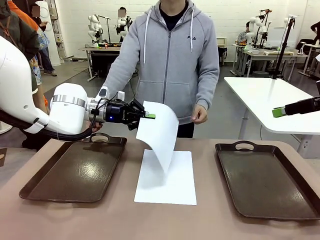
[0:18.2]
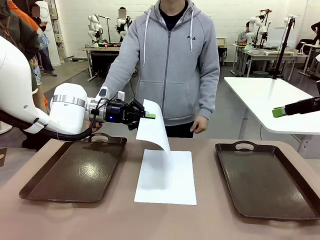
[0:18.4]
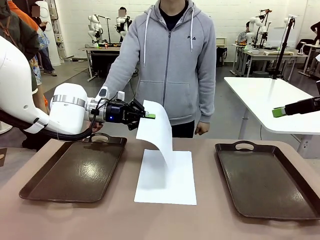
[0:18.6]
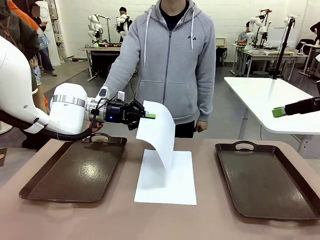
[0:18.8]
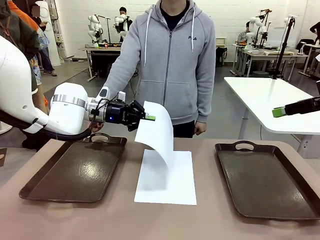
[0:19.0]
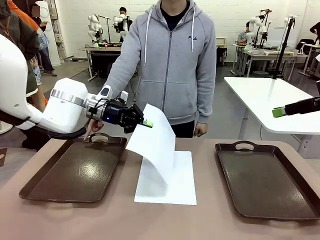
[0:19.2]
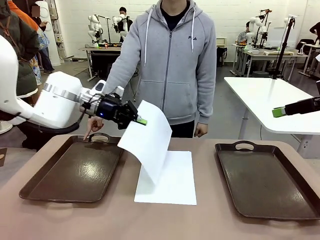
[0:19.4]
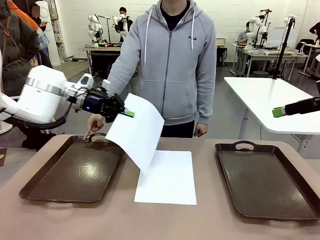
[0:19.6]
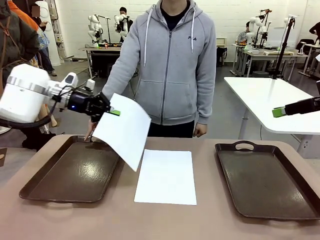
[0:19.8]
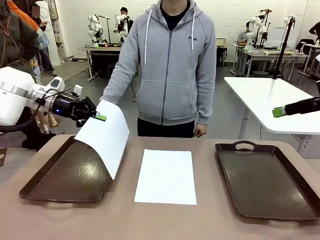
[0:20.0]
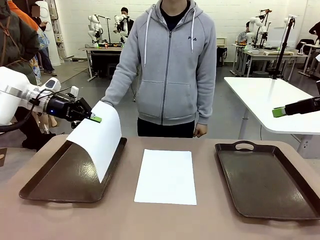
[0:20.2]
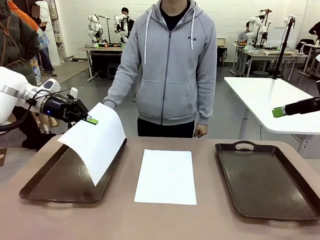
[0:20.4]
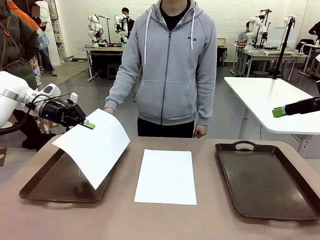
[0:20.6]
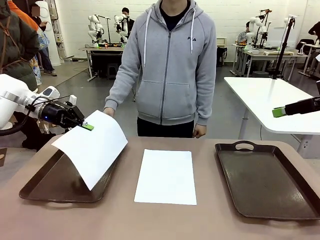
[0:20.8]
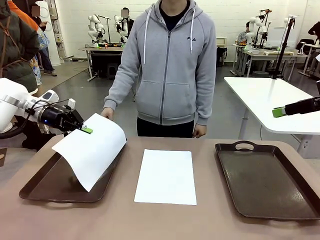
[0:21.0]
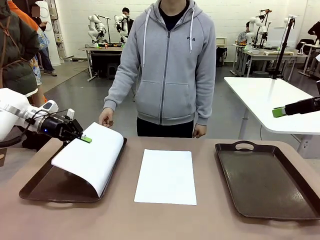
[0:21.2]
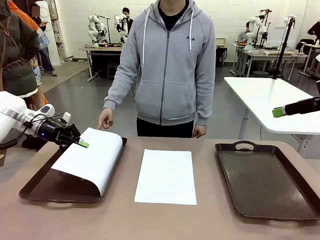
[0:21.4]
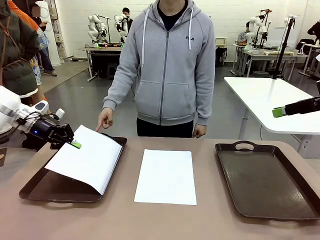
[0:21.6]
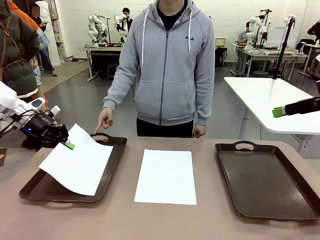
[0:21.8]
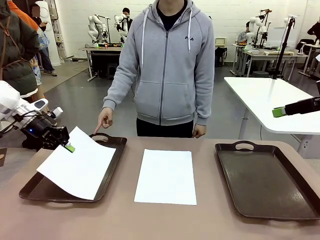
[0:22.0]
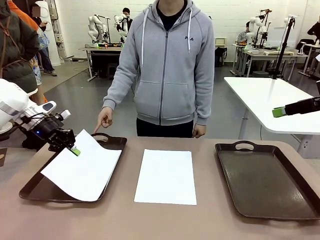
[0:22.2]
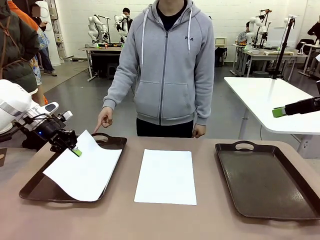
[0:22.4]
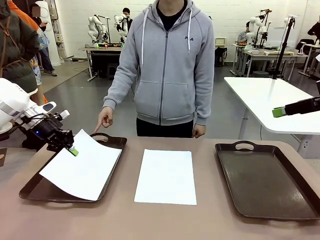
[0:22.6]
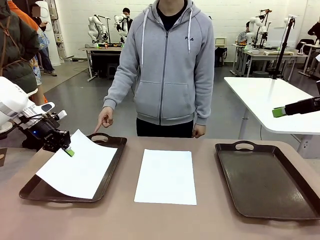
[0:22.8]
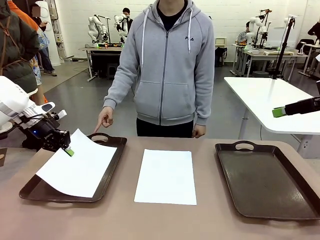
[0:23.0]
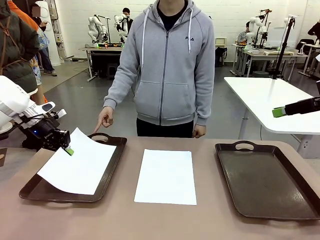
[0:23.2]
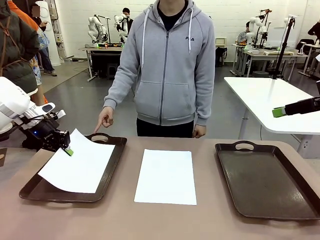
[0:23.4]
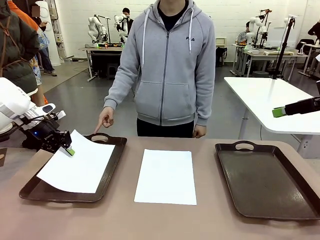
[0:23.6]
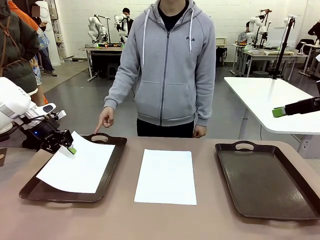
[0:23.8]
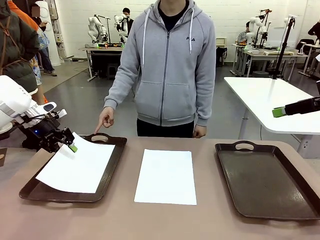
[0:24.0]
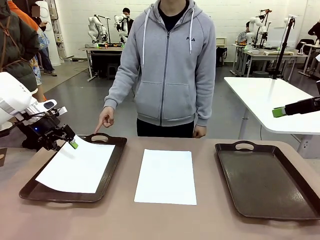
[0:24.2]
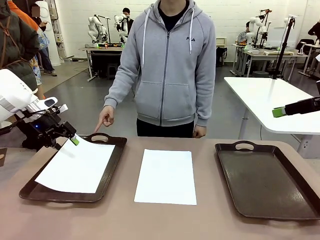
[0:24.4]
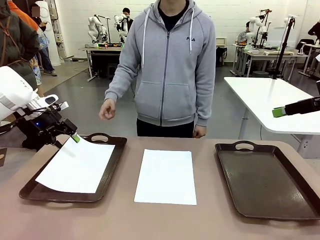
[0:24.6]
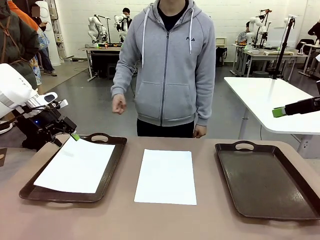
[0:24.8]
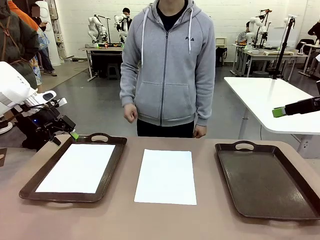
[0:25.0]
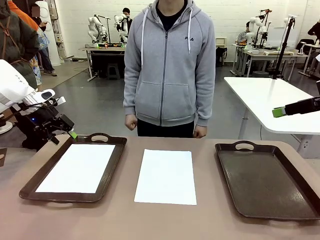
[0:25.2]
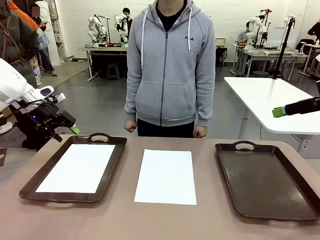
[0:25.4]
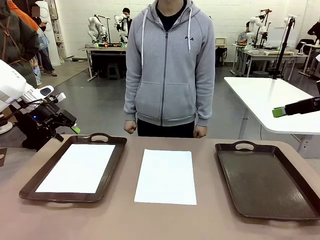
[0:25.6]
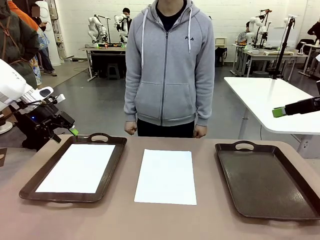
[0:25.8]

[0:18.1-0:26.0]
Task: Sort the A4 documents.
Robot: Place the A4 Paper in the designated Handle tray.

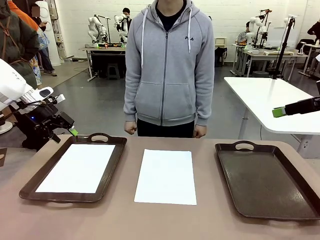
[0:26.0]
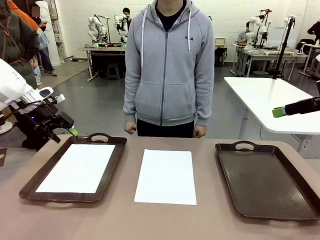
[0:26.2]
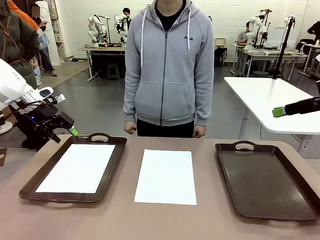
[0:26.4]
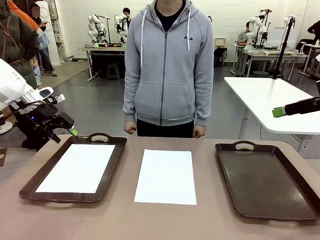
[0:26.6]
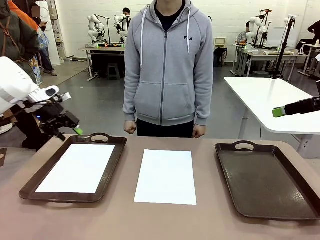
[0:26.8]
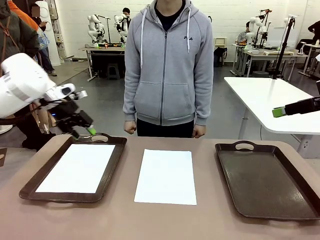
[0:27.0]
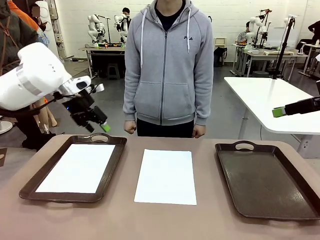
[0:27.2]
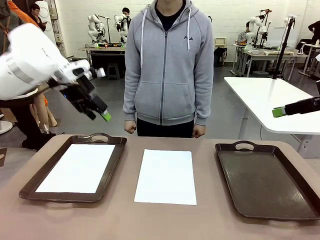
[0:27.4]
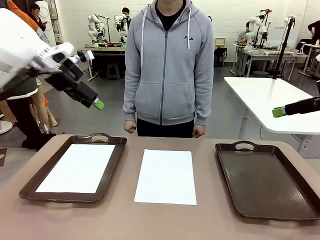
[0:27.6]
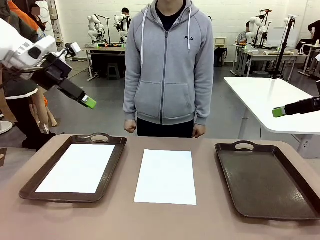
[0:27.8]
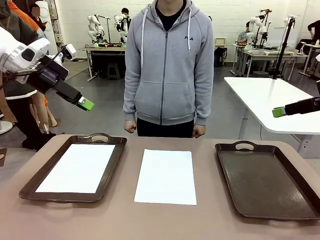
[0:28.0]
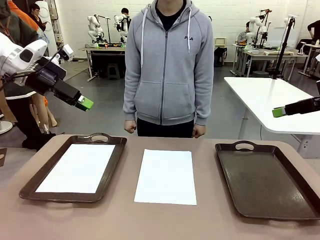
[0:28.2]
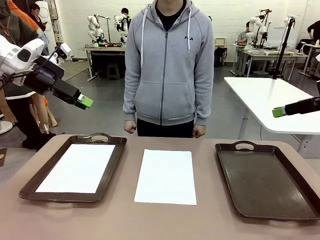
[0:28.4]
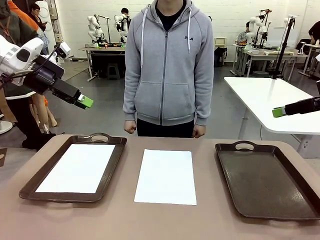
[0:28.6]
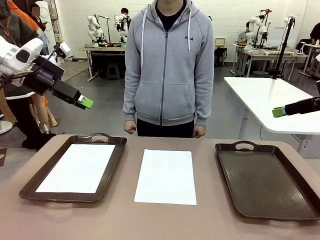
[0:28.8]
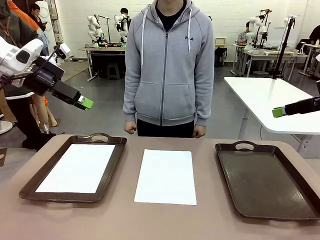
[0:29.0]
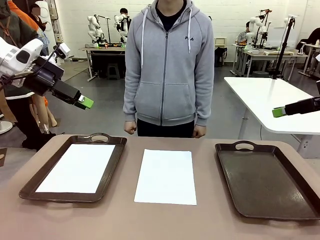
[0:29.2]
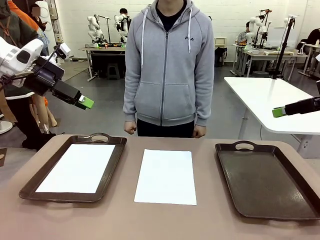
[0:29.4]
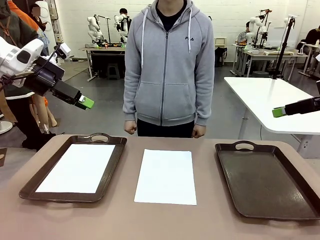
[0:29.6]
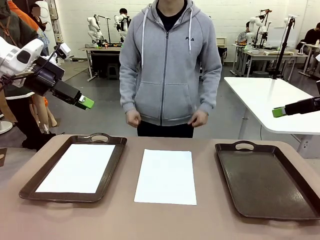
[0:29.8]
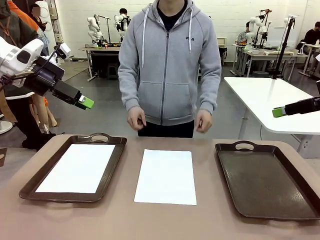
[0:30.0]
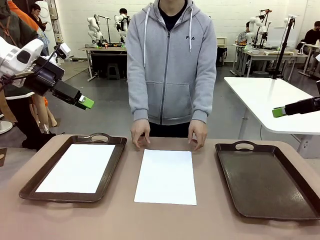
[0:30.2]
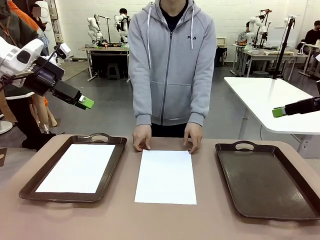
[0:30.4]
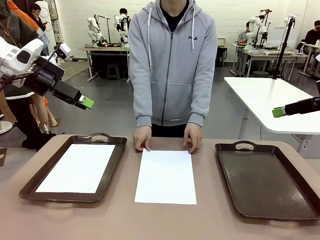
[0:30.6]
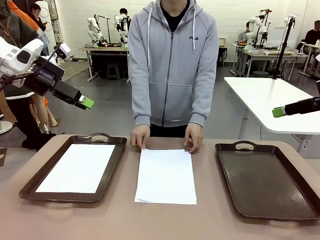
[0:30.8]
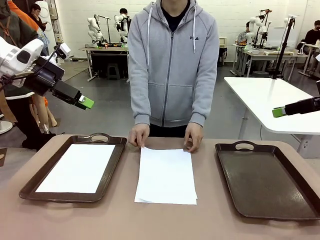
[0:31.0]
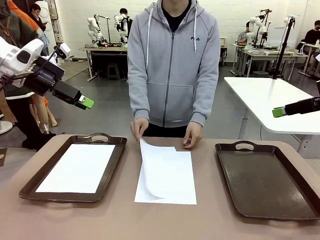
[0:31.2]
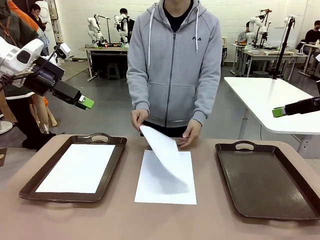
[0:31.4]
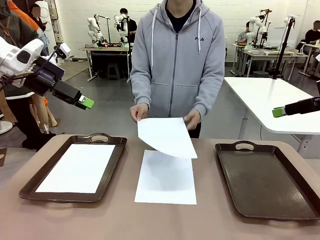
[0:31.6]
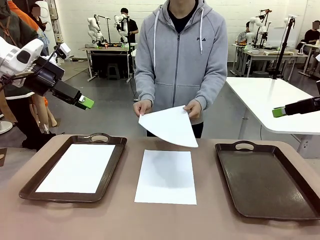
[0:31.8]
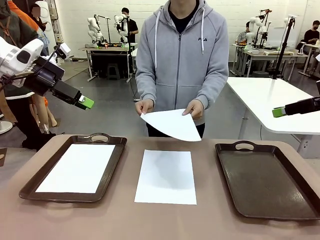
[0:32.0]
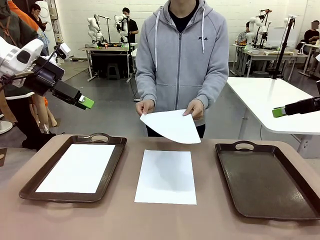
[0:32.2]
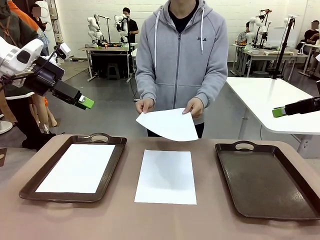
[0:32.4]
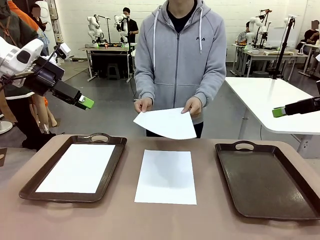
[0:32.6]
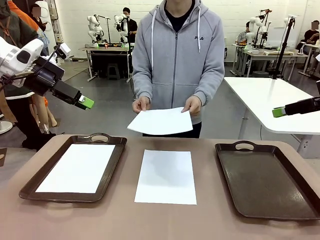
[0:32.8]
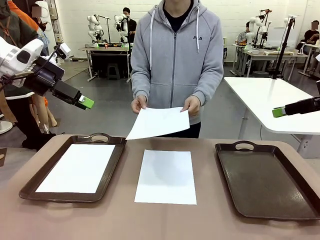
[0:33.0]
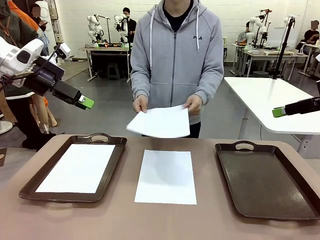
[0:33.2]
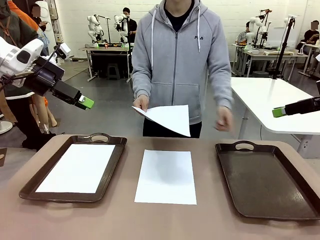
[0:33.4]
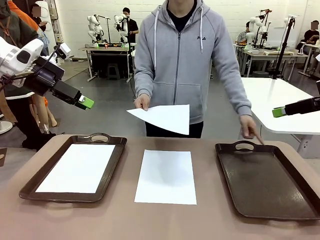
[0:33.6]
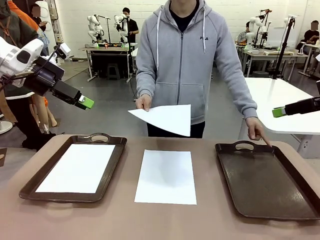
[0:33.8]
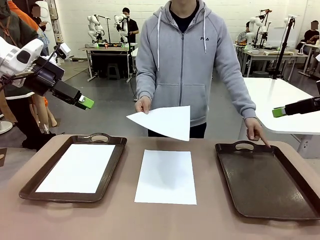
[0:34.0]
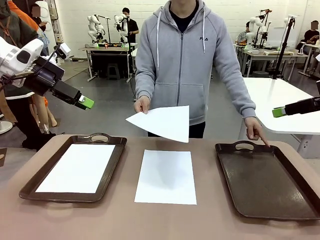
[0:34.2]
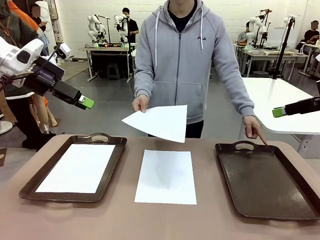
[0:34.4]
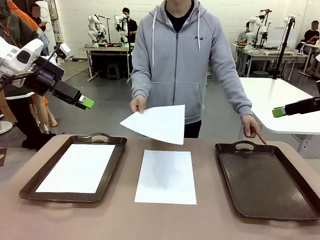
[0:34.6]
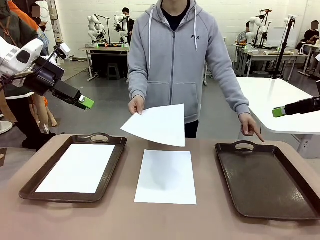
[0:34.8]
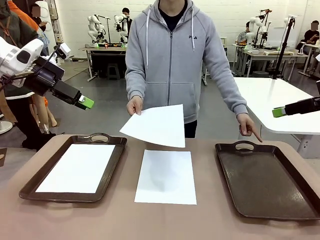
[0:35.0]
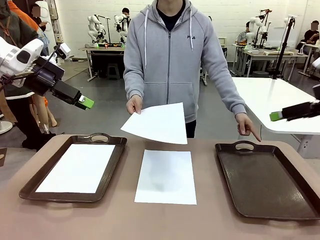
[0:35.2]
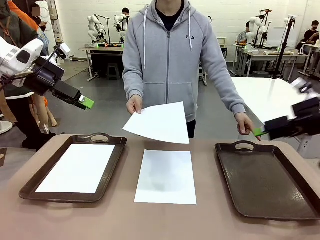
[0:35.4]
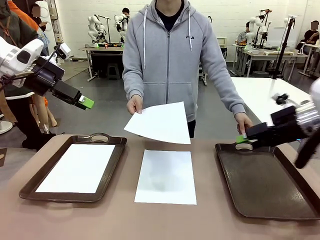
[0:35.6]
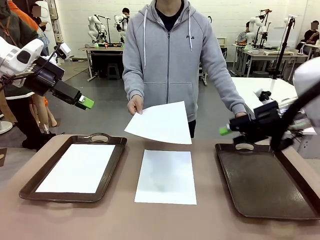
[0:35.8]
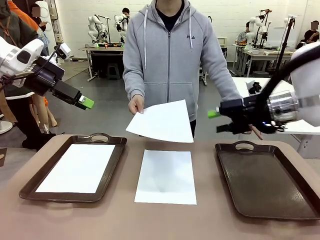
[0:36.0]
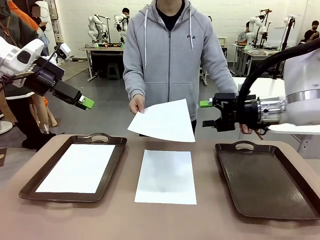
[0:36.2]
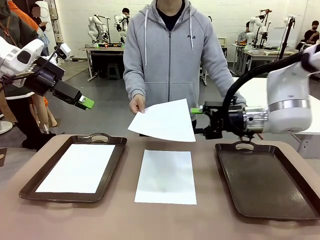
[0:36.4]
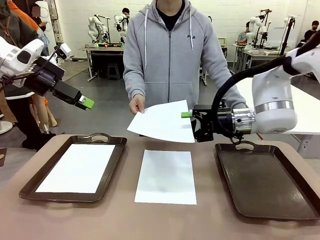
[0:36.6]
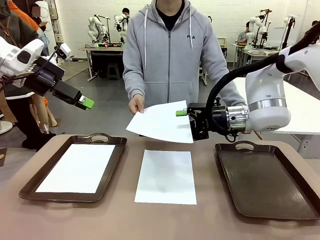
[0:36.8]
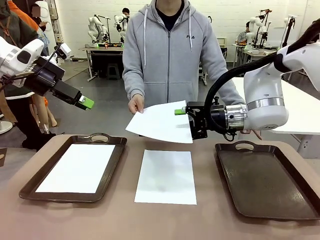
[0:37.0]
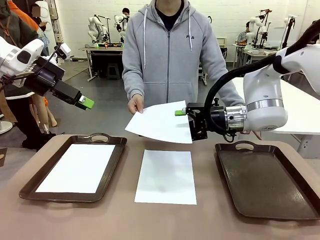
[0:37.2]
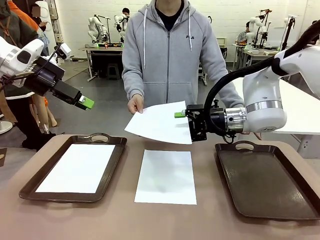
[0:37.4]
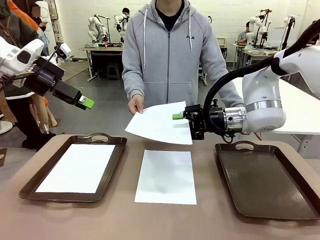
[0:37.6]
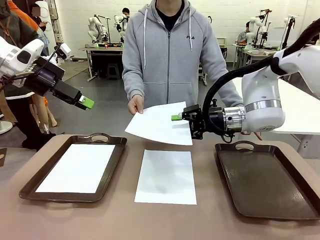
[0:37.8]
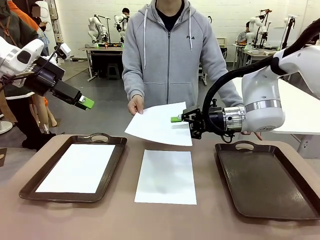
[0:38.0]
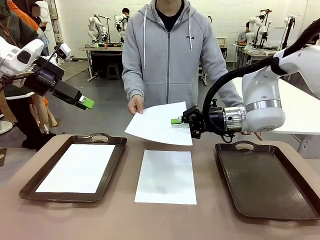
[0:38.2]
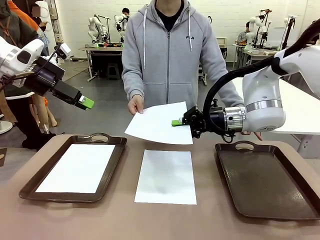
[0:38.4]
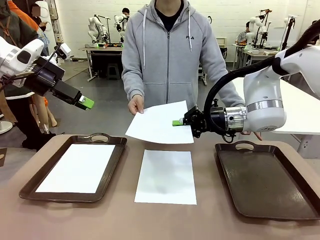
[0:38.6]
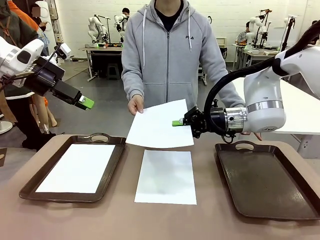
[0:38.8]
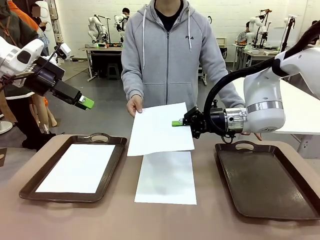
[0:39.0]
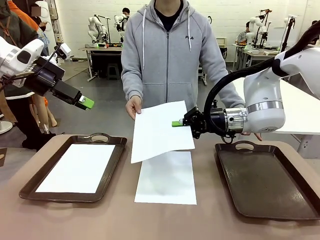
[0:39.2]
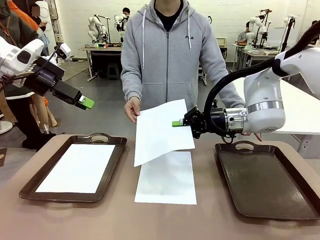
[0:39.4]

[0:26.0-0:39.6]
Robot: Receive the A4 Paper.
Person: Point the randomly selected tray with the other hand.
